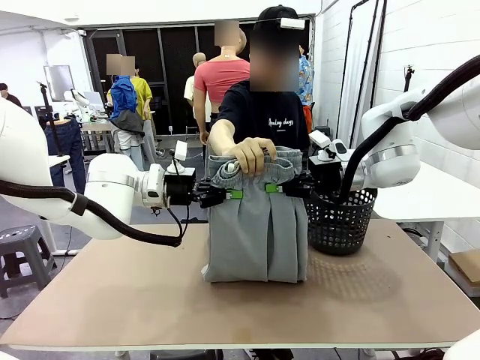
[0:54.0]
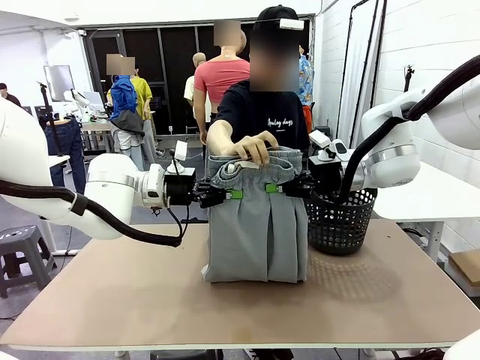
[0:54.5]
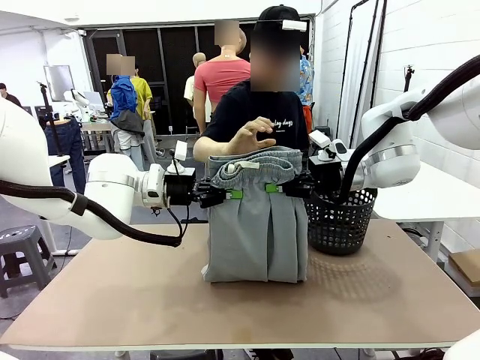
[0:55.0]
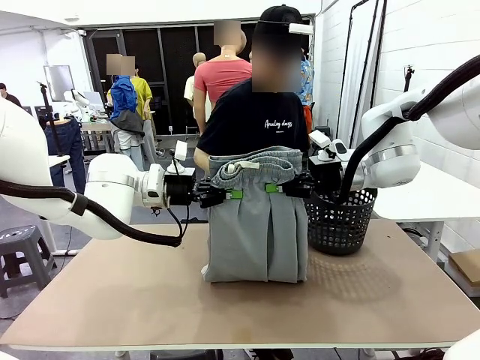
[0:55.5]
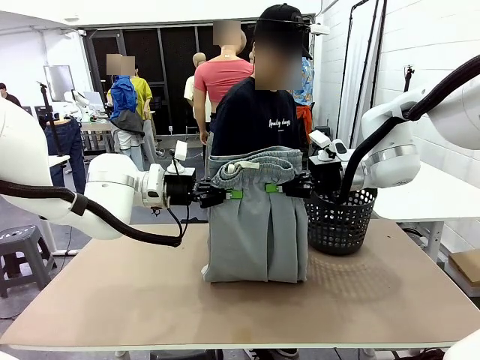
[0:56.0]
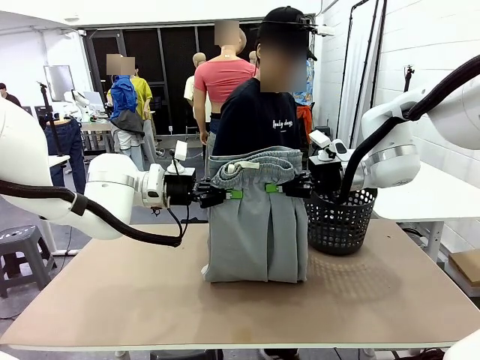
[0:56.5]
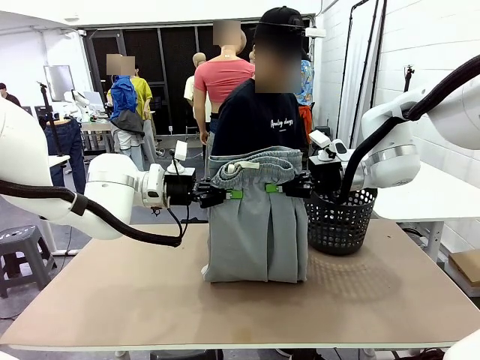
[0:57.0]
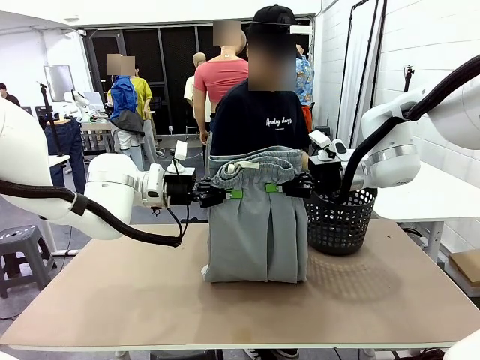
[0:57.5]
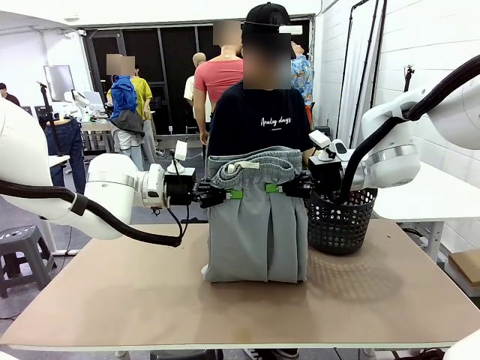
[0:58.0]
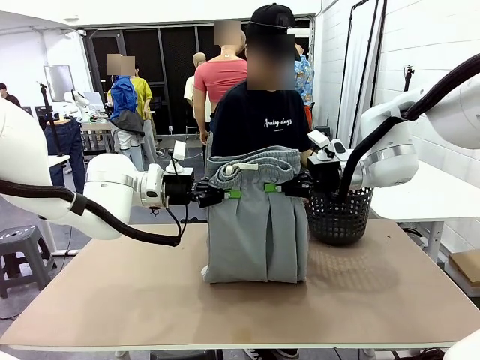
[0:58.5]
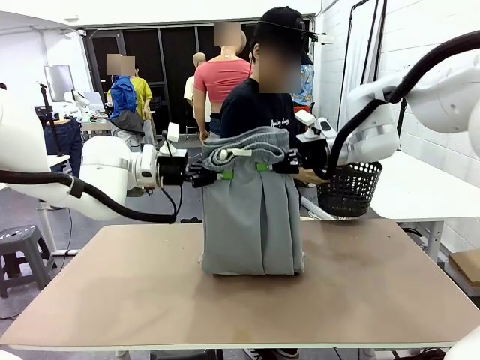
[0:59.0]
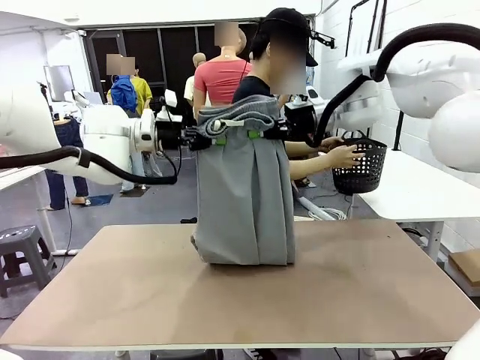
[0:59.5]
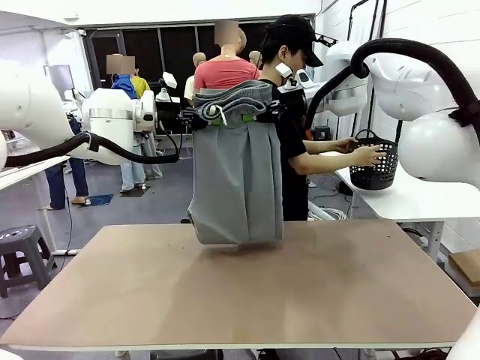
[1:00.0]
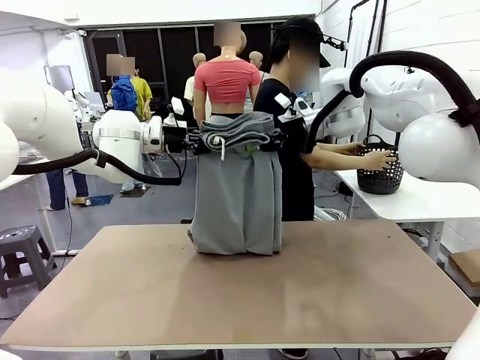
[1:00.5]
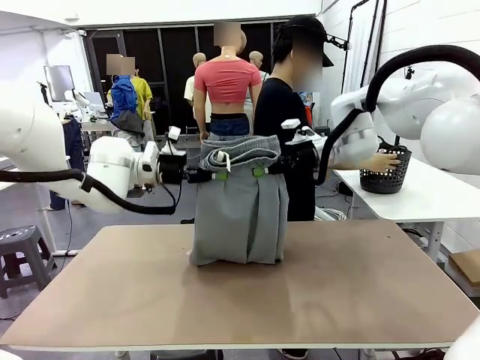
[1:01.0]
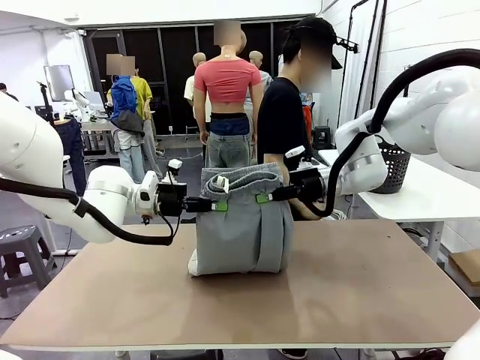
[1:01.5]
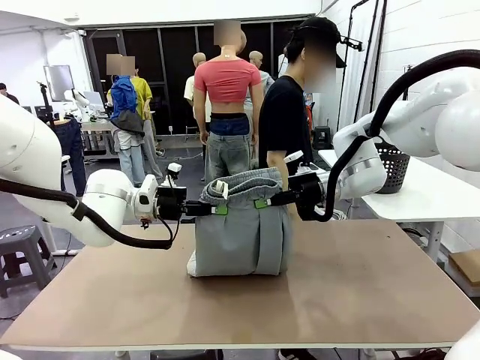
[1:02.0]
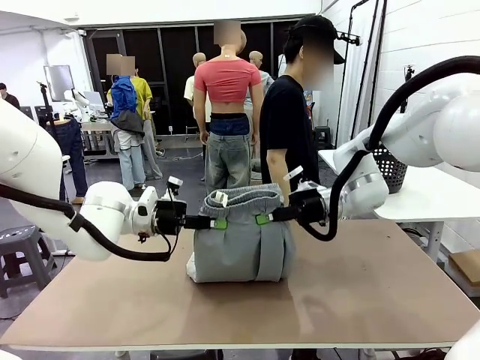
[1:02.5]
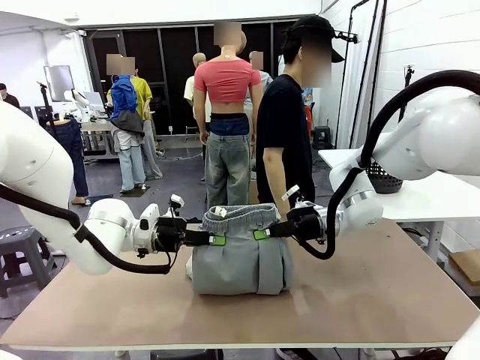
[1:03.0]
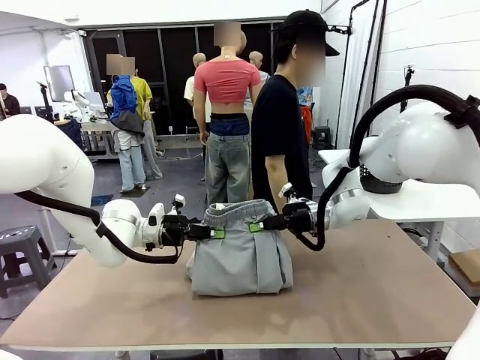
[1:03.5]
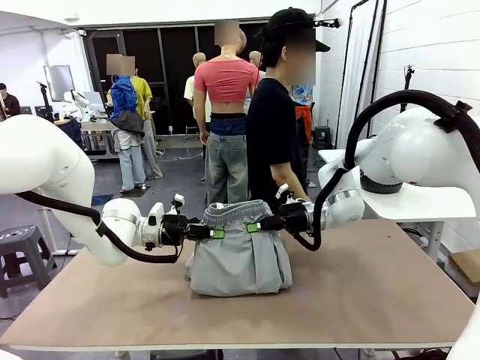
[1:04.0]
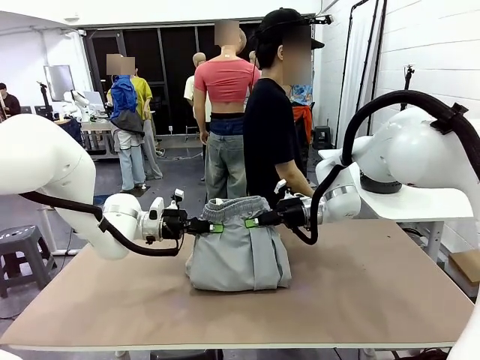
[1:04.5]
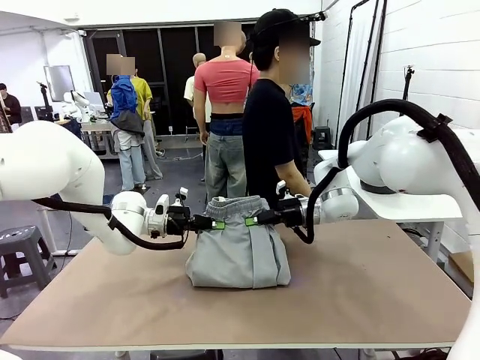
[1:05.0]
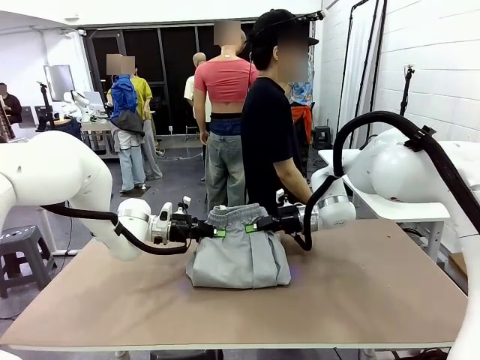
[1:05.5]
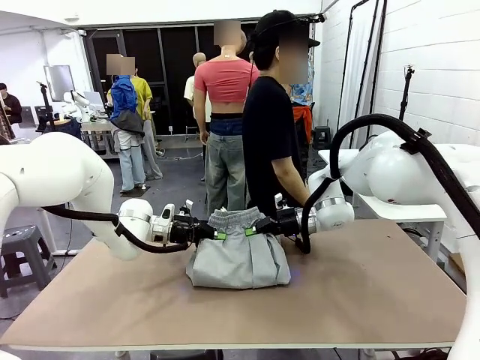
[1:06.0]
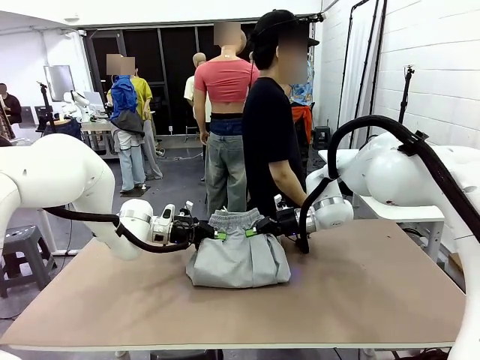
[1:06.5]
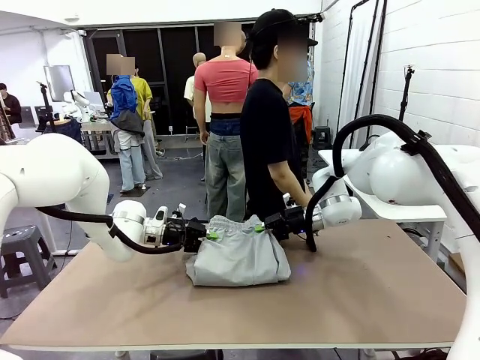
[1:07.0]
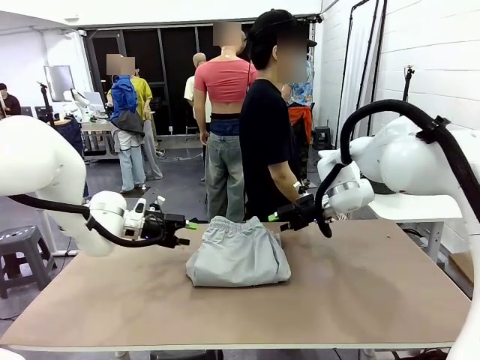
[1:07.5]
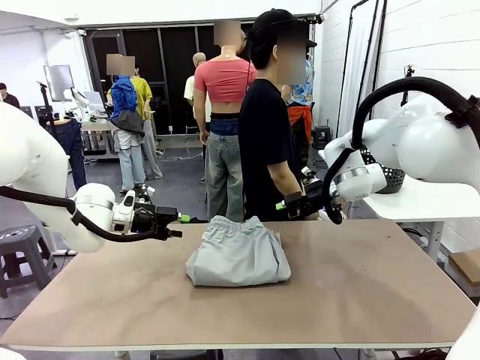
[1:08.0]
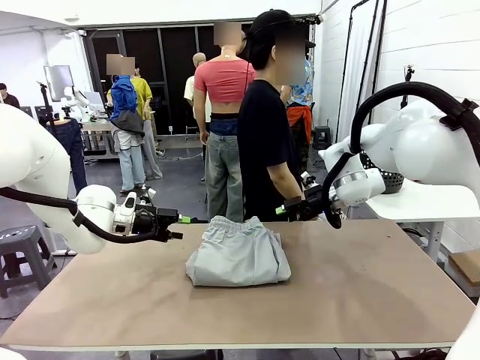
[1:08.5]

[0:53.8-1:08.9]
Task: Fold the training pants.
Robot: Fold the Training pants in half.
Person: Move the laundry basket to the right of the human table.

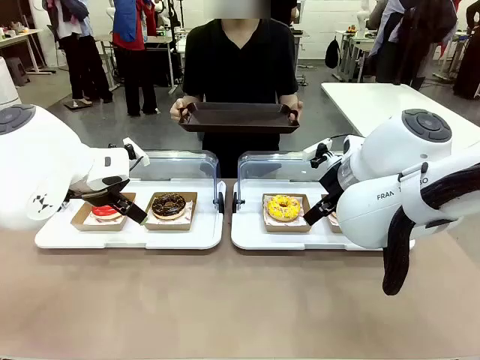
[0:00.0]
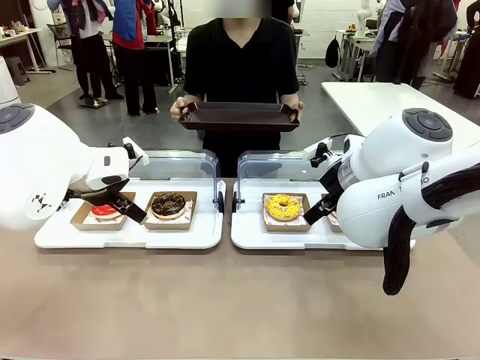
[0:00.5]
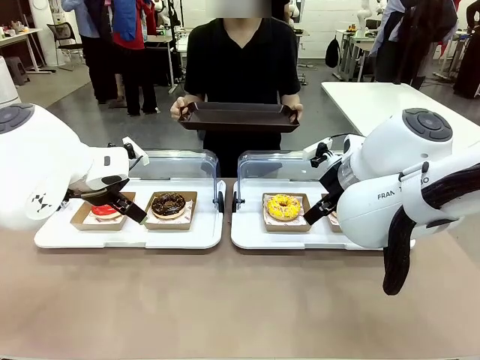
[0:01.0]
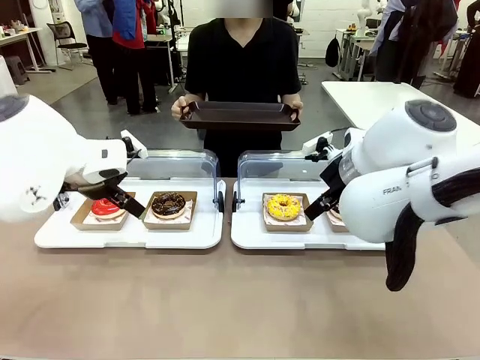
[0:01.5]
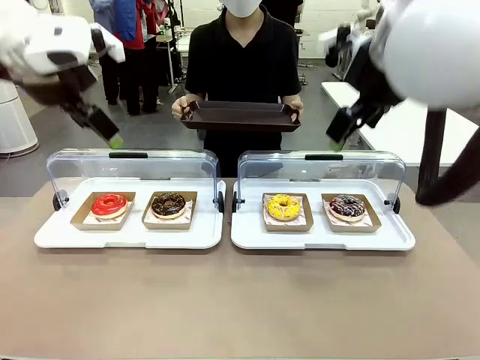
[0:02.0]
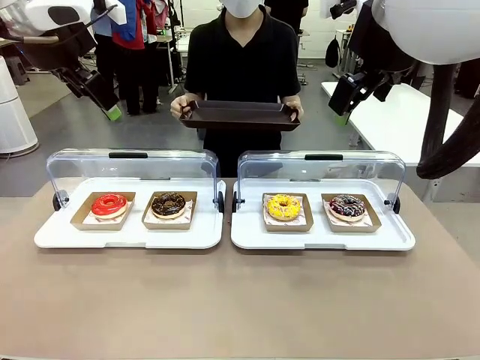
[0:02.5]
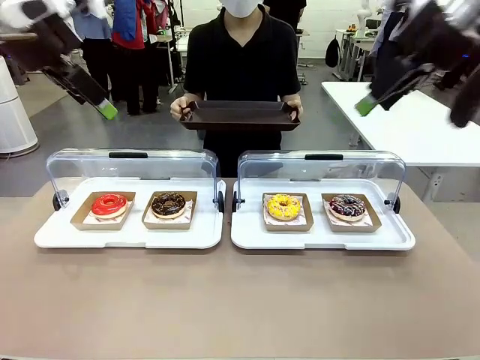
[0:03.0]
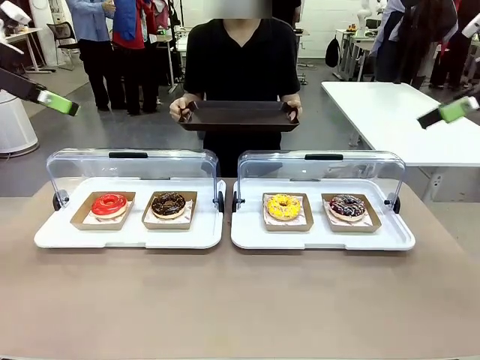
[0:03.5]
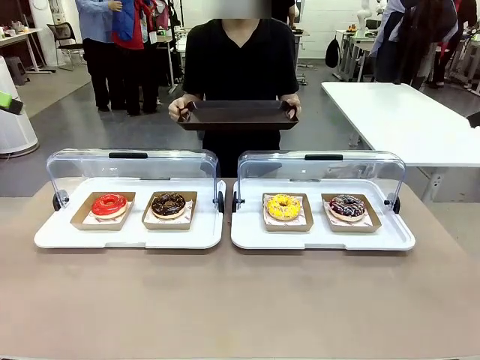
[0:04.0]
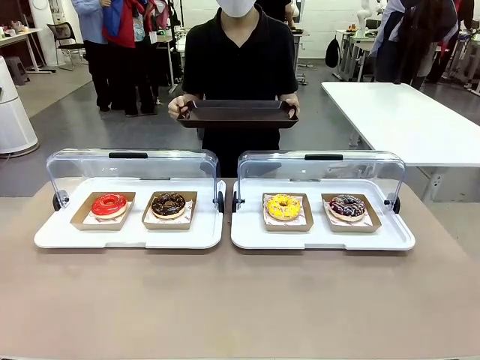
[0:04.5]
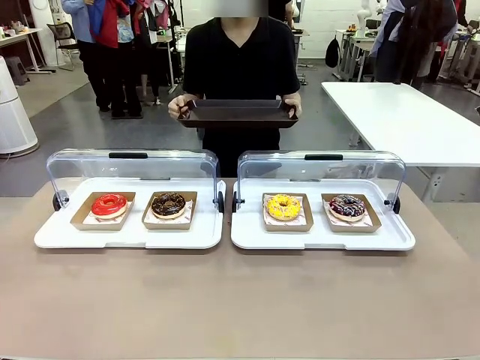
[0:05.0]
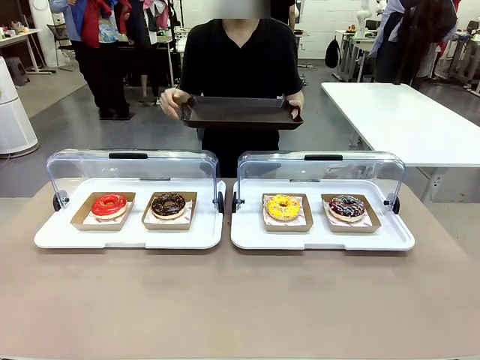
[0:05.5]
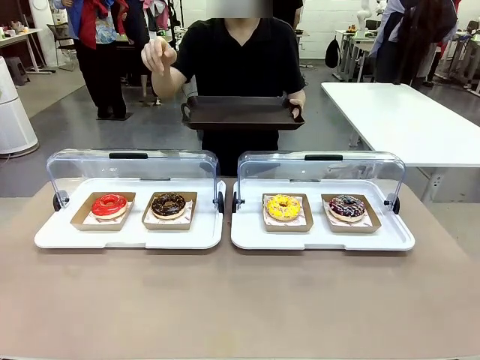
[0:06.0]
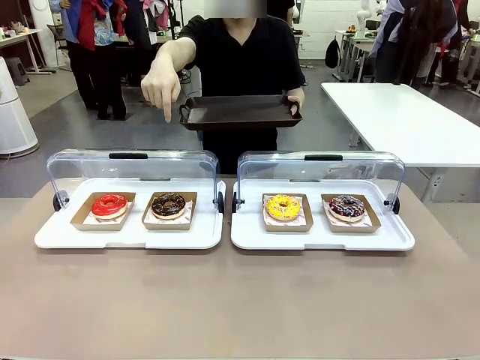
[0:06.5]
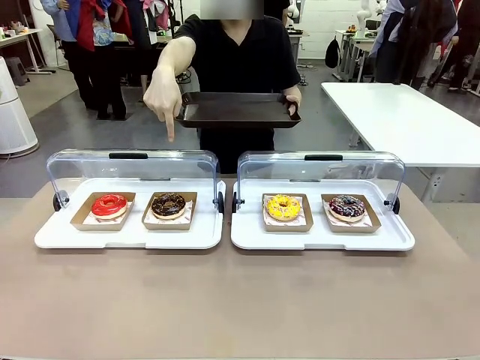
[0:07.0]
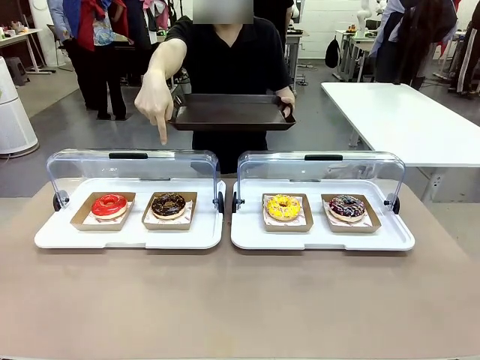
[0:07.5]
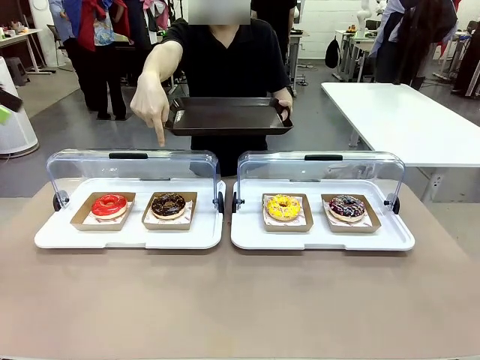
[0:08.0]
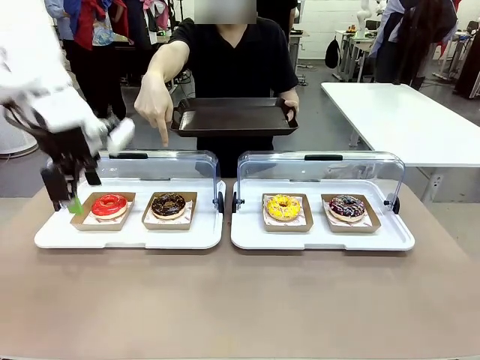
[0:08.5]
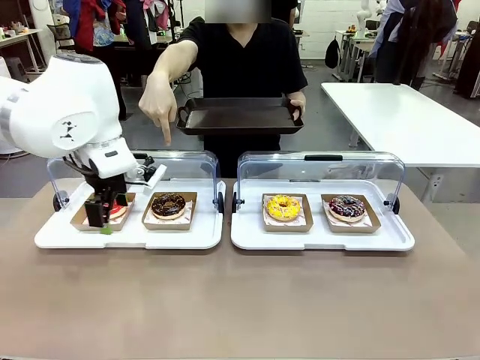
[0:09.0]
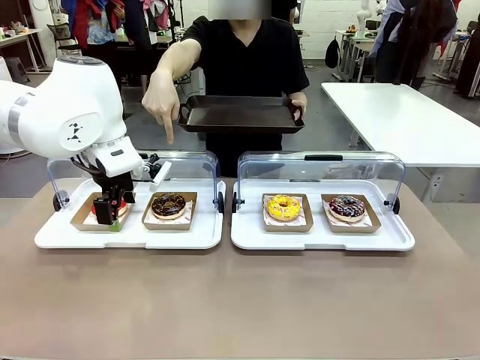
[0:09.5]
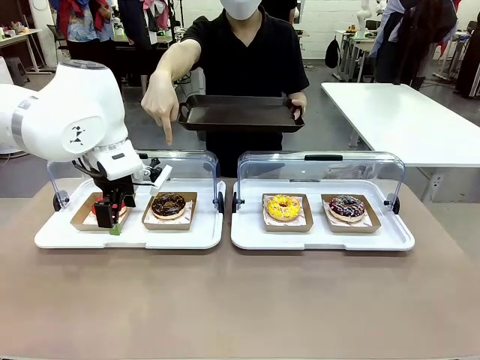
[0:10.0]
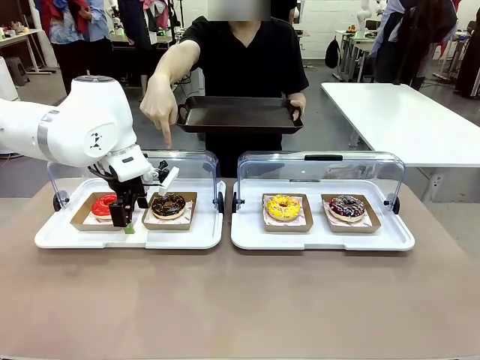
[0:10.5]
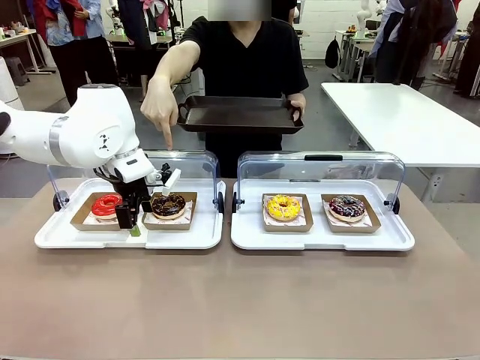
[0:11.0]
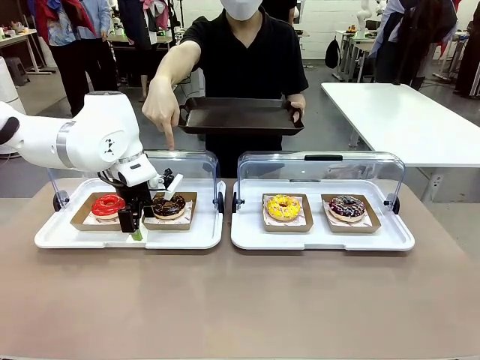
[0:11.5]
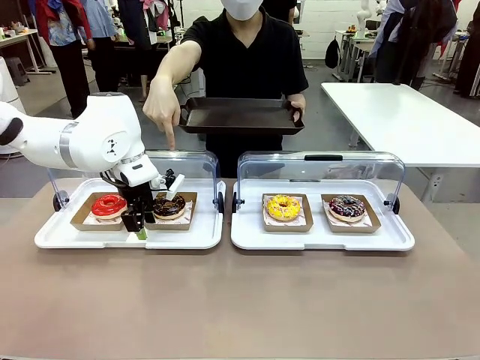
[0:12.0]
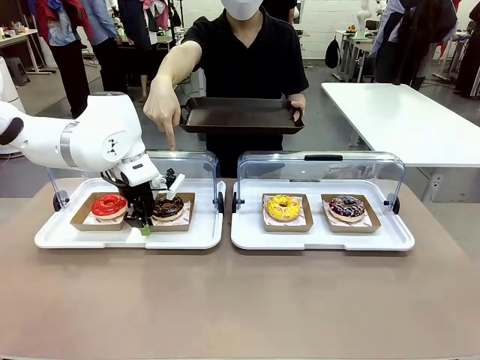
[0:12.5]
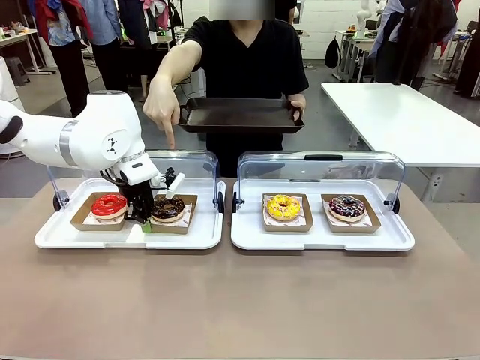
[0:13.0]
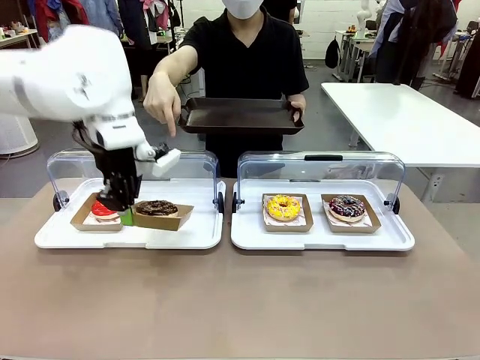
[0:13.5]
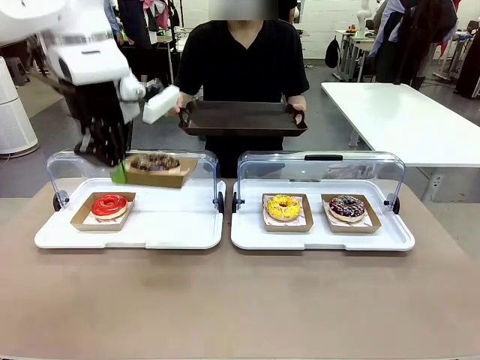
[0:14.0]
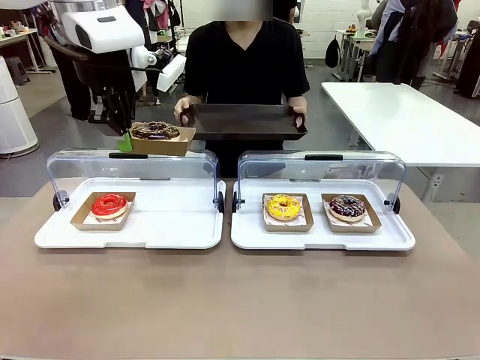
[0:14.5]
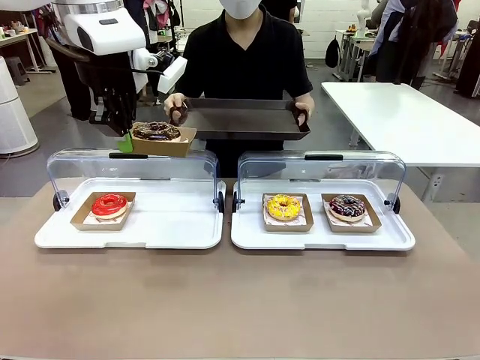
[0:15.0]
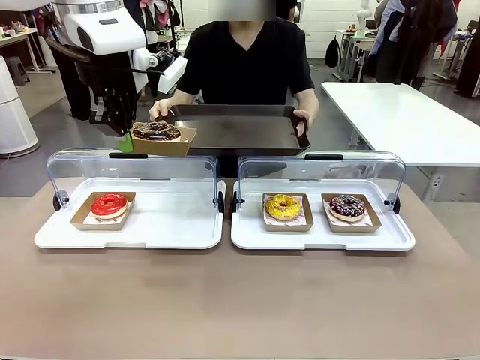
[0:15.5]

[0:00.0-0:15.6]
Task: Provide the desired donut to the person.
Robot: Pick up and lift the Paper togo box containing the Donut pointed at by the person.
Person: Point to one donut. Lift the tray onto the Roll-Top Bakery Case.
